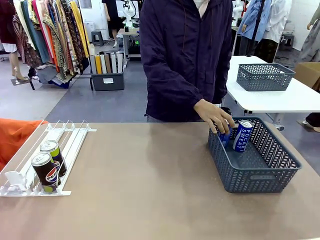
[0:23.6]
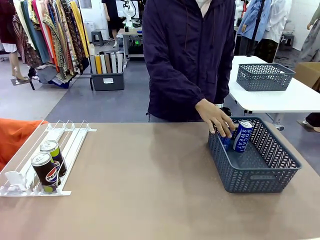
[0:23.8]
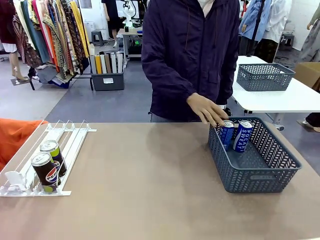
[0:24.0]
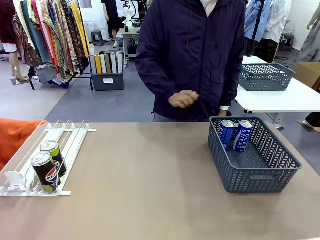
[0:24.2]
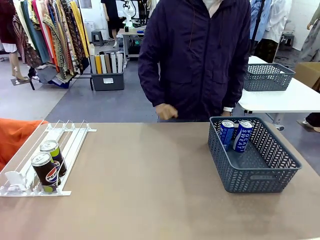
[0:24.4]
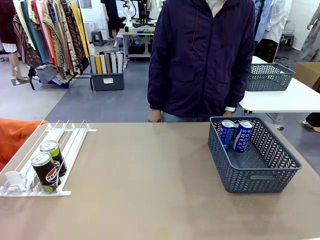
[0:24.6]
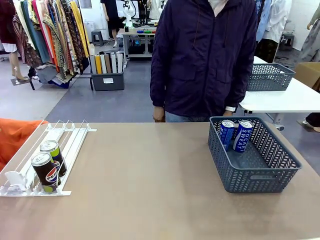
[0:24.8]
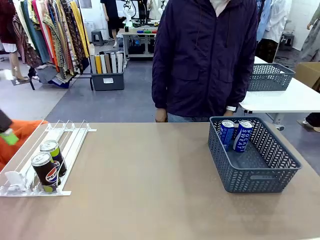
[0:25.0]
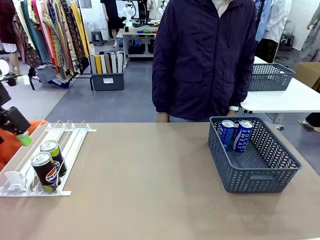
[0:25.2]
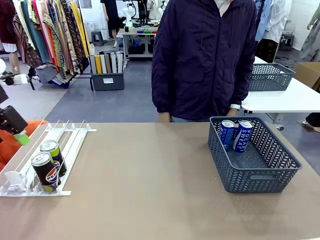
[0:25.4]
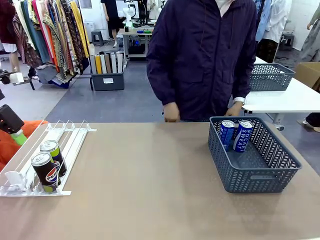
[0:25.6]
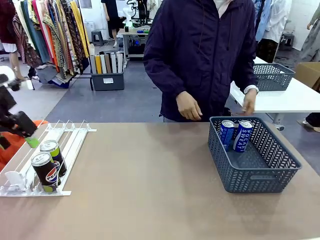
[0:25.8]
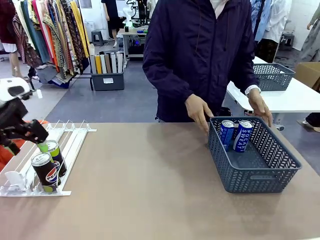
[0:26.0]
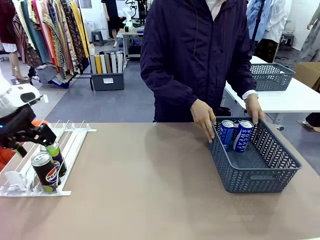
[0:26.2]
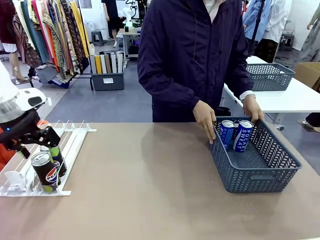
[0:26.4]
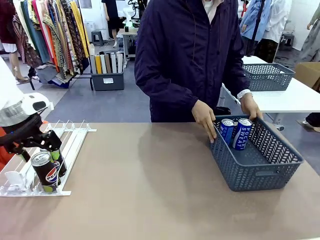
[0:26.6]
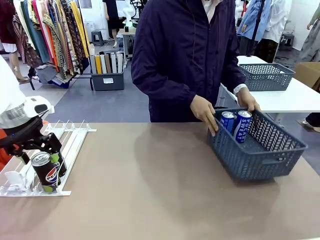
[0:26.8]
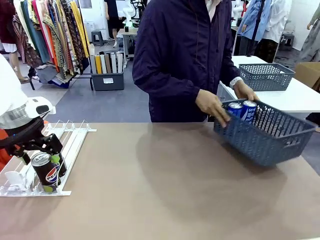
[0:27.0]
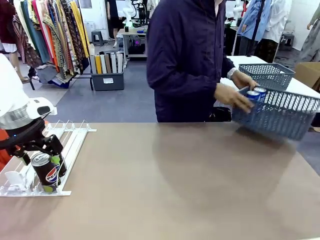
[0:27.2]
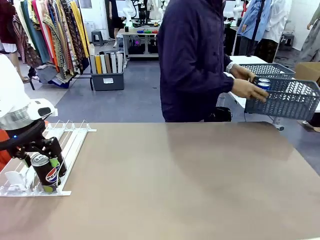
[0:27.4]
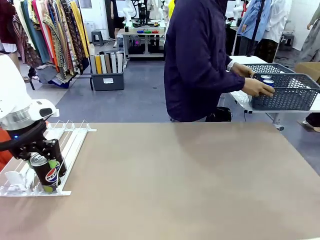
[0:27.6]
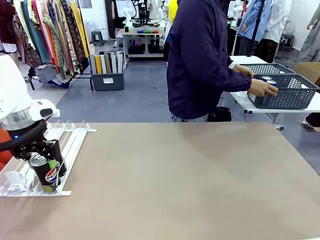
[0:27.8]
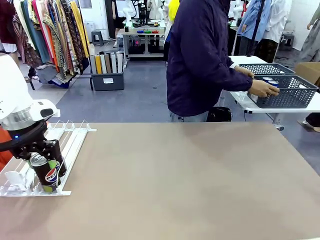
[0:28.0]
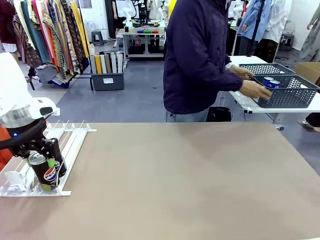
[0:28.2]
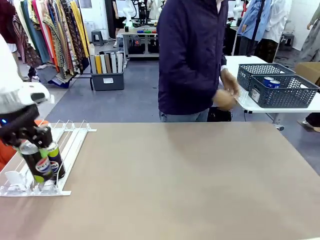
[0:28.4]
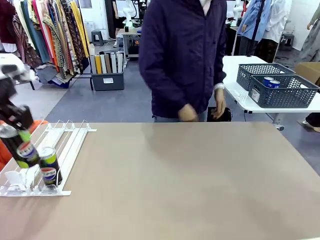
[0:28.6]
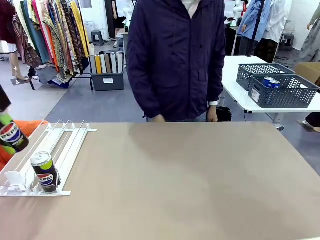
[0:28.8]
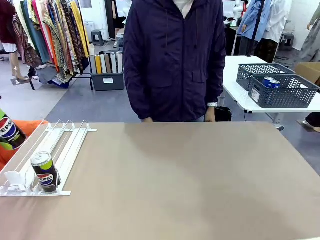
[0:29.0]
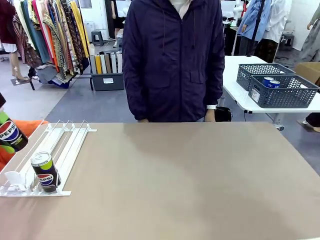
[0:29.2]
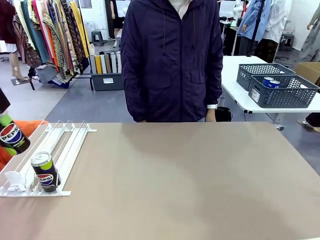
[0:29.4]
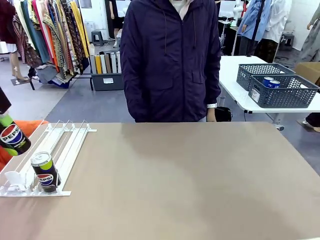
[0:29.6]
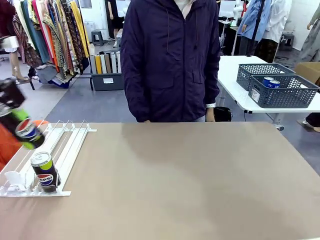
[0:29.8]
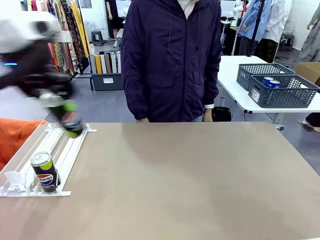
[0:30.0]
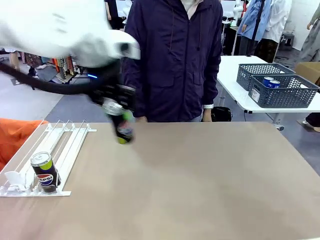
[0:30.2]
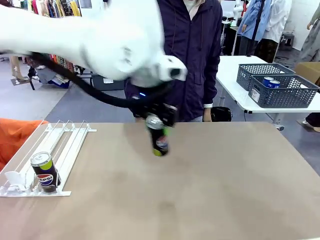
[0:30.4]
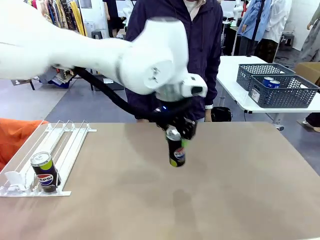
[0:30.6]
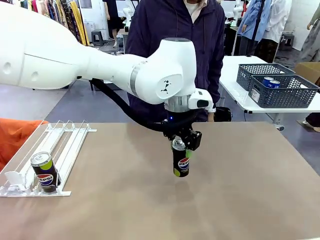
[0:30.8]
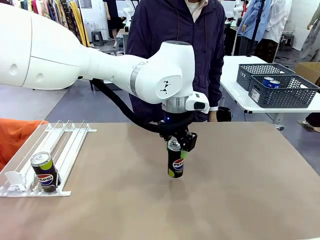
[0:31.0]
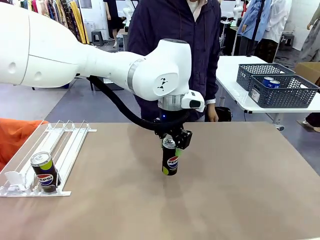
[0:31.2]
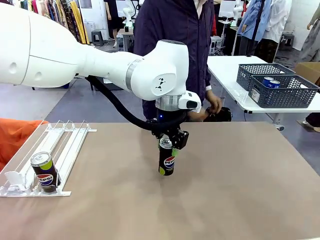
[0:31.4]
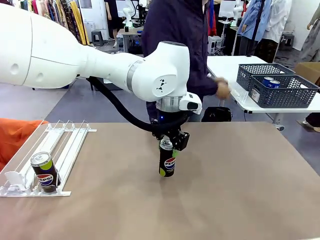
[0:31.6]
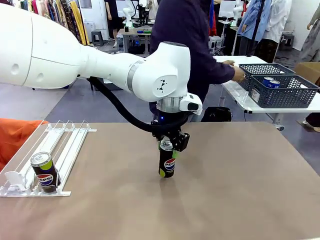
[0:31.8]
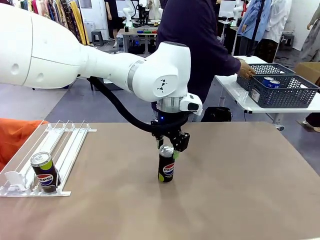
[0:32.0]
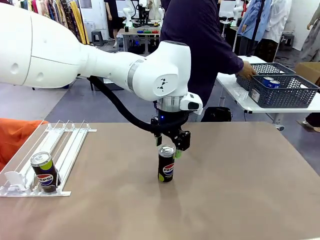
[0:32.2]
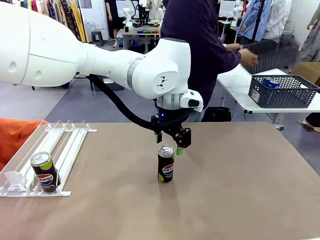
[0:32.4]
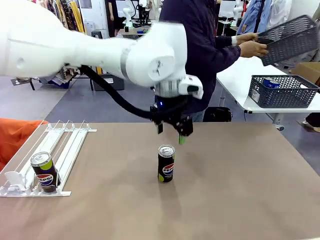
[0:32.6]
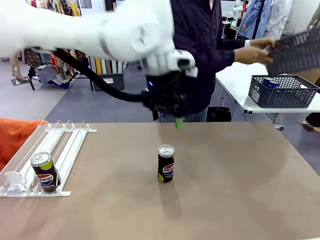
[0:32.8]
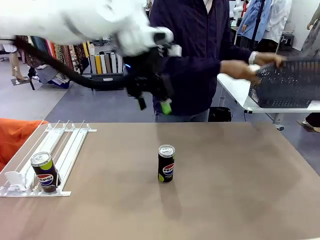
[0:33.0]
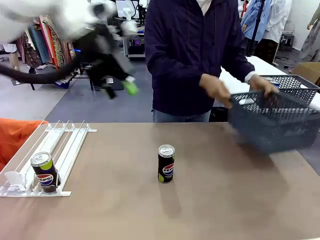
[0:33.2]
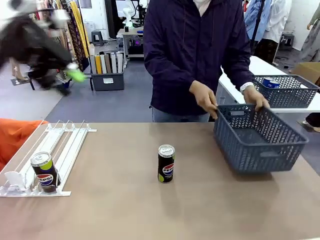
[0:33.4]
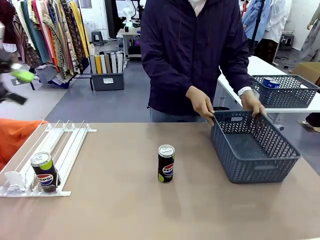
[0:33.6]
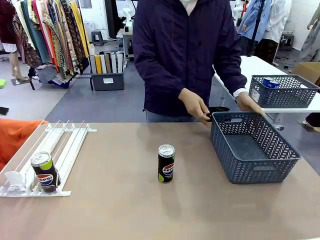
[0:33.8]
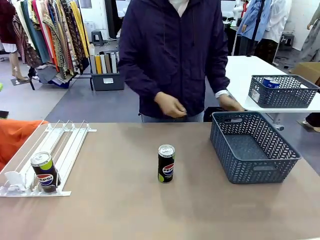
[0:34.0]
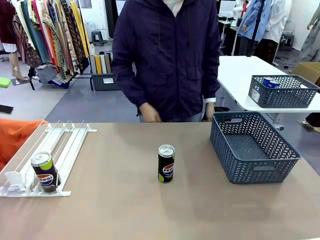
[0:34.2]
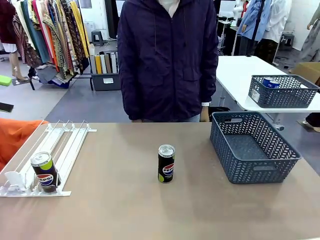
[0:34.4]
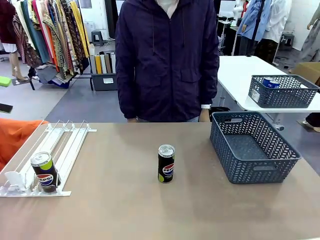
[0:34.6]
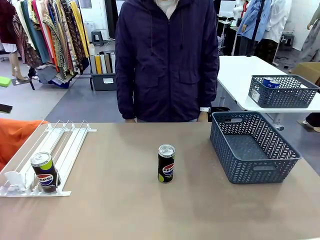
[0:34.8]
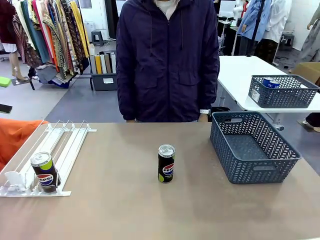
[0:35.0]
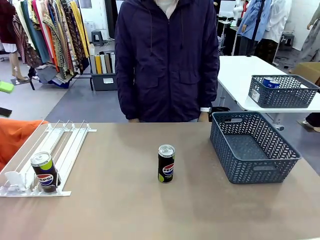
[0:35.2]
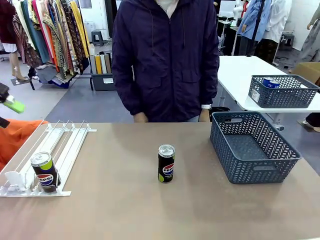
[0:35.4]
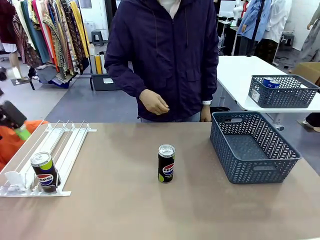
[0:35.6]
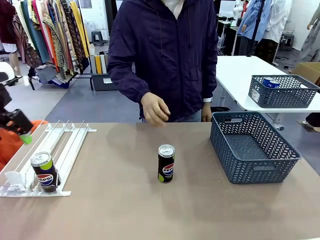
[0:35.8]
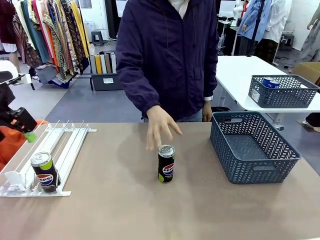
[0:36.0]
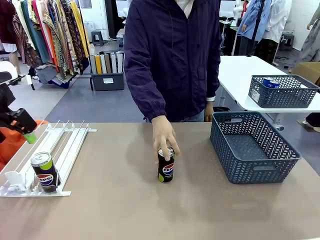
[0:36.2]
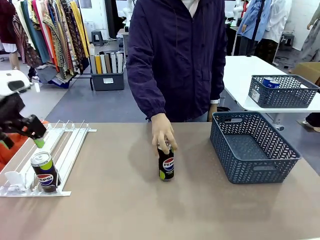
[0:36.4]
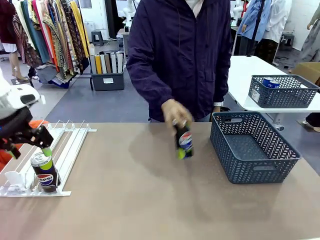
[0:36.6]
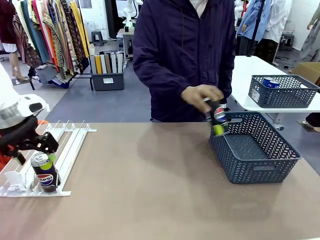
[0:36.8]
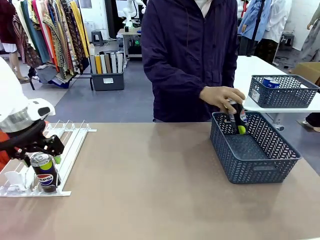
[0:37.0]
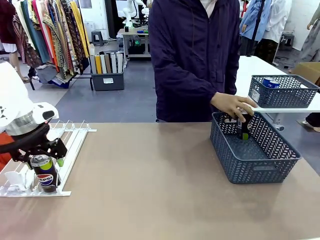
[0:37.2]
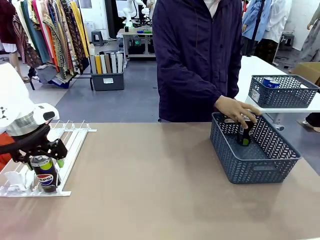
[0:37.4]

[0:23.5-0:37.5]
Task: Retrieve and store the cans from the dispenser.
Robot: Pick up one can from the Automatic Can Dispenser and place it in the middle of the table.
Person: Pick up the basket and place it in the middle of the human table. Pick up the empty basket and place it on the left side of the robot table.

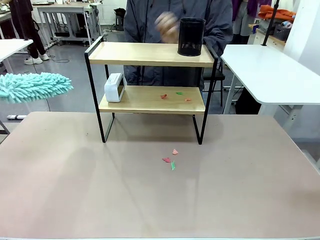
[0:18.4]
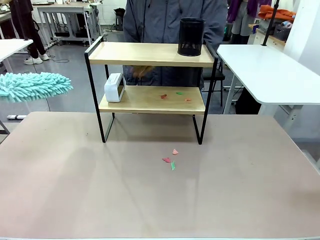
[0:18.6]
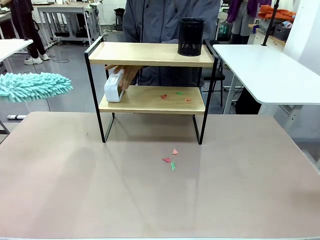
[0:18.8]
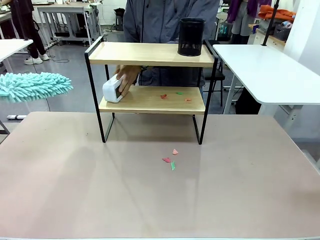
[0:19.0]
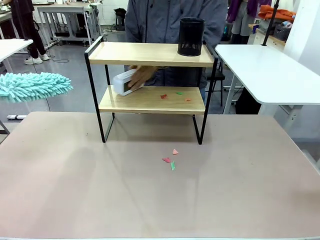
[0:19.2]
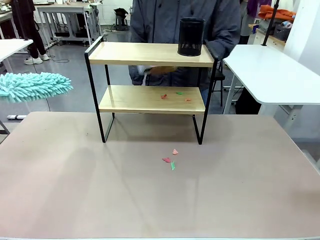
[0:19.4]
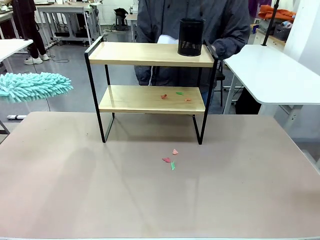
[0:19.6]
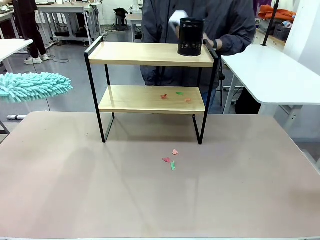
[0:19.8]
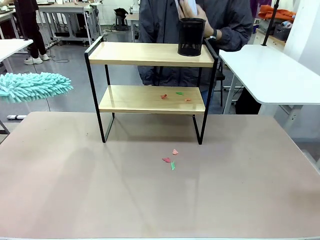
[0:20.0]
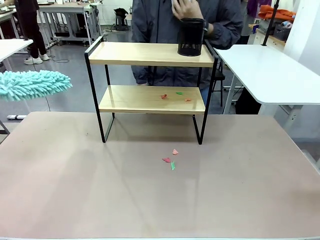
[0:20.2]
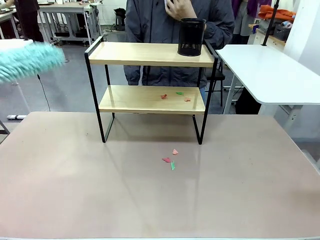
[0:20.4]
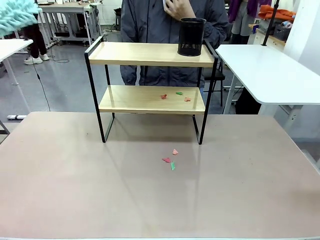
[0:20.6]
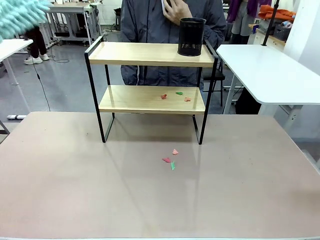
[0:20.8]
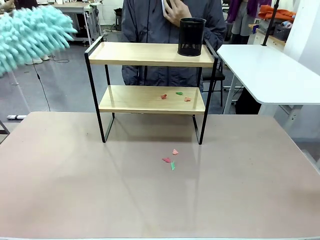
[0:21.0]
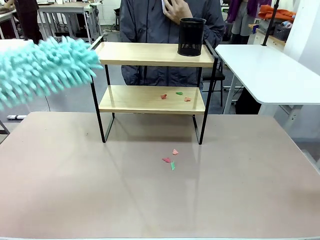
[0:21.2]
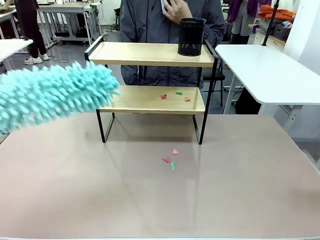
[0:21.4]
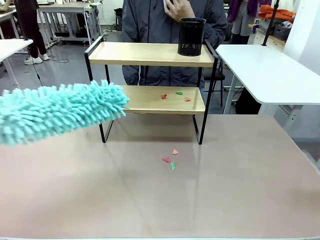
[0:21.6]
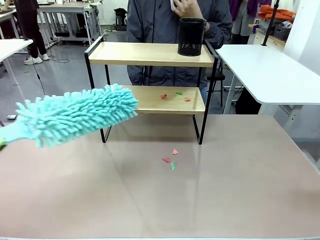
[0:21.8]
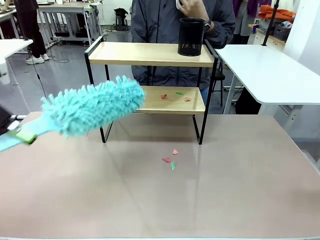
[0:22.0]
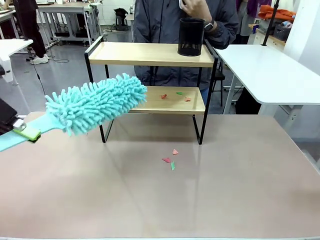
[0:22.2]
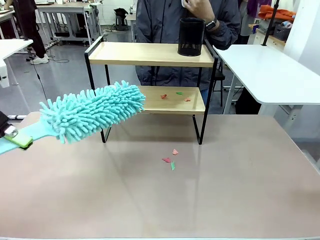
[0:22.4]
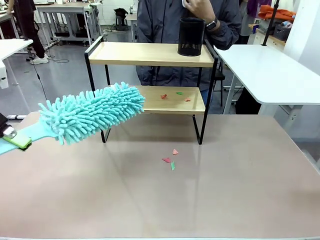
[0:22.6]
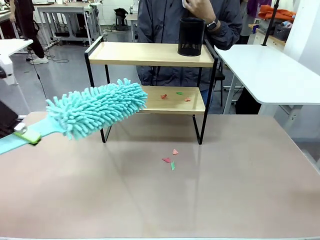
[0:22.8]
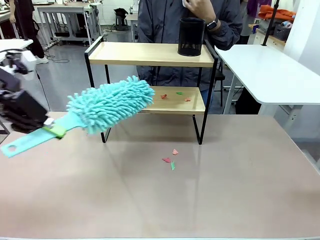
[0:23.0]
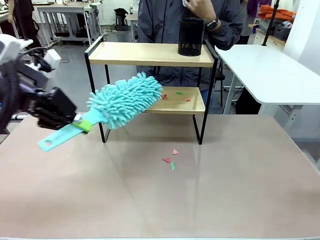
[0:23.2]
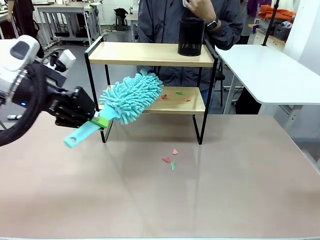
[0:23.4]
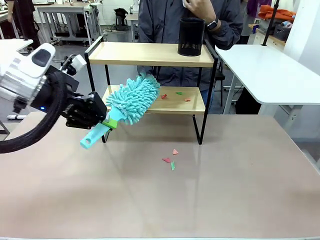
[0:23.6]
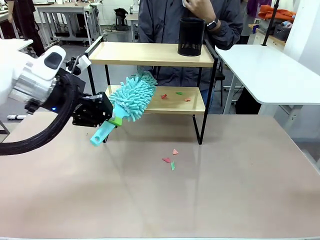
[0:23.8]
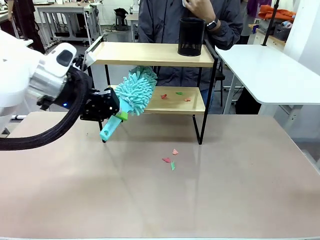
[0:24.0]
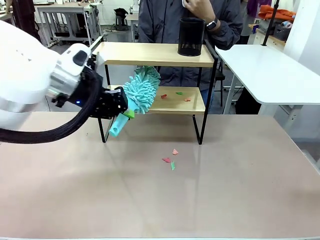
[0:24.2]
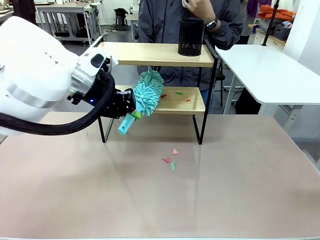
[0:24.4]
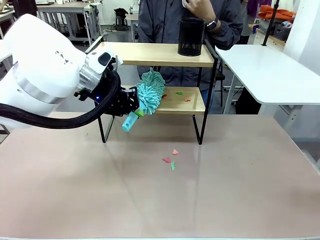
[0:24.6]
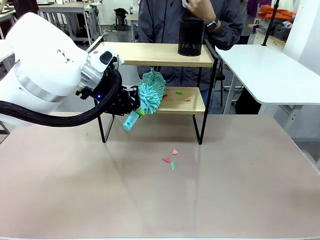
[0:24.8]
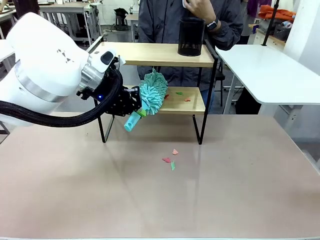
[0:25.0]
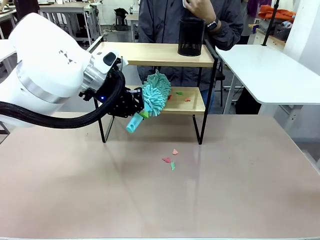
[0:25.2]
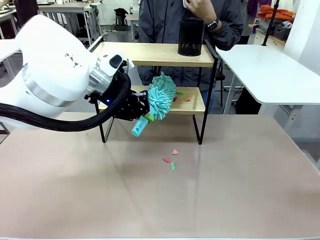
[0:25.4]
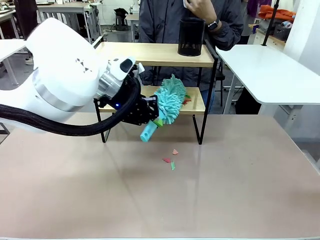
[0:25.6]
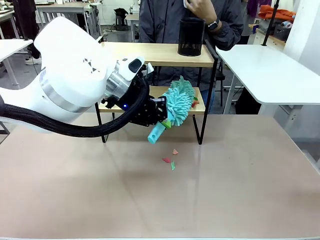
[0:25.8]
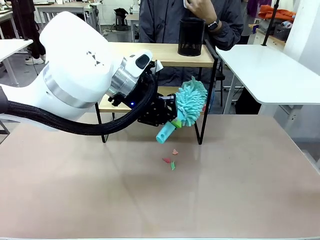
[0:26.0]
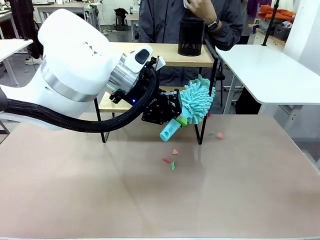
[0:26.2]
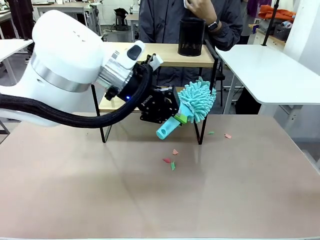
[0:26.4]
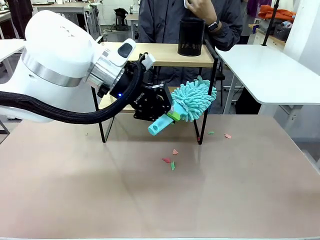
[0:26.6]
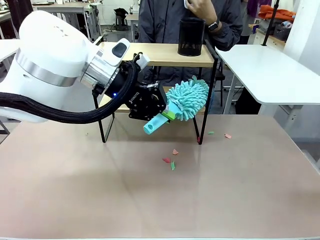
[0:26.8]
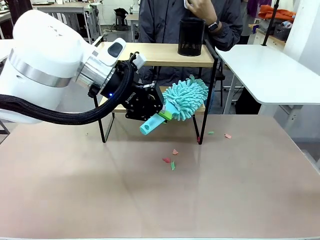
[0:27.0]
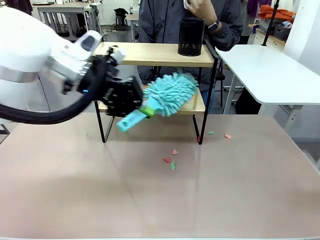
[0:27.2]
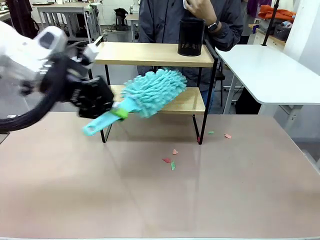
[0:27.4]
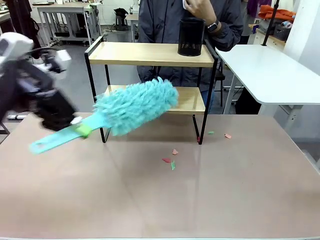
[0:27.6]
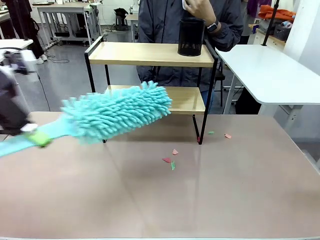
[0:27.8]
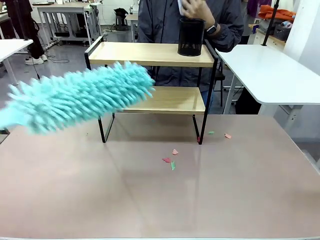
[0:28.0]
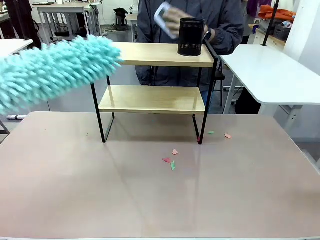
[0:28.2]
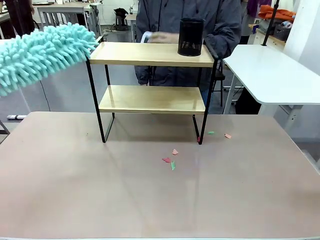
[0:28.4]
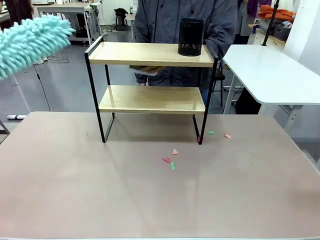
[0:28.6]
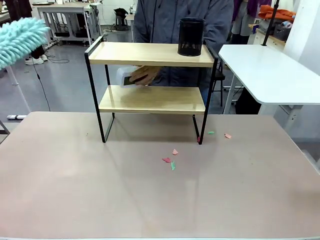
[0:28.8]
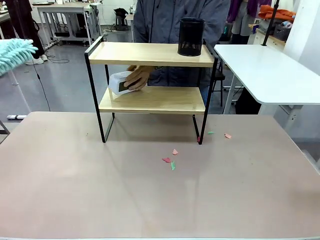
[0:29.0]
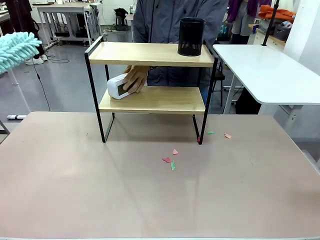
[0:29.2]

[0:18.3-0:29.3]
Task: Clean the shelf.
Robot: Clean the remaining tier of the Shelf with the Duster once objects are removed.
